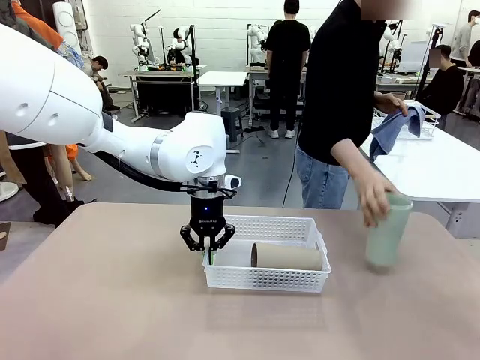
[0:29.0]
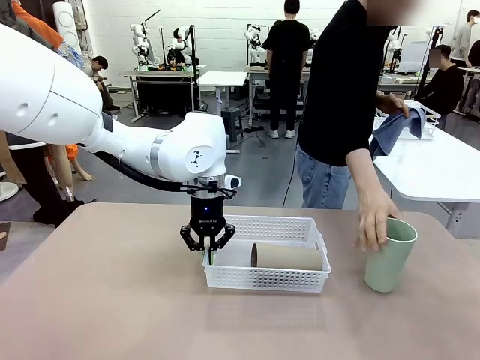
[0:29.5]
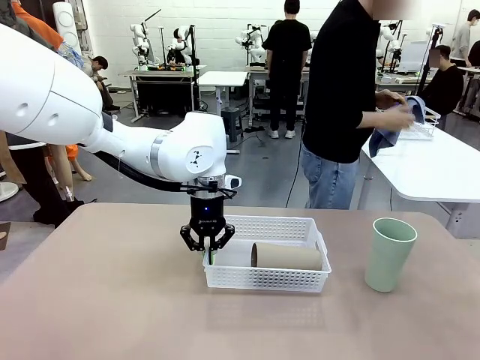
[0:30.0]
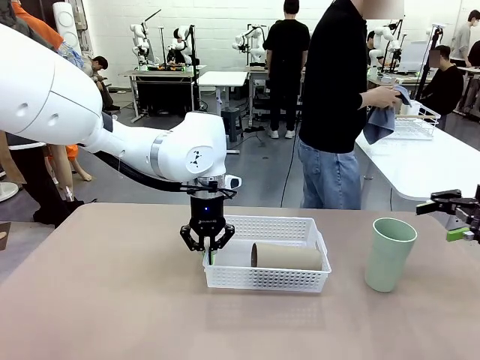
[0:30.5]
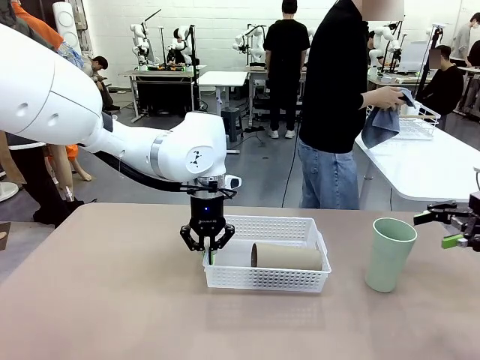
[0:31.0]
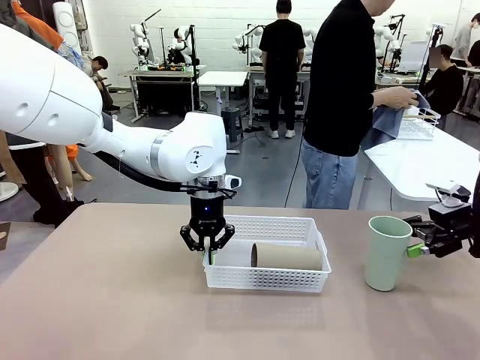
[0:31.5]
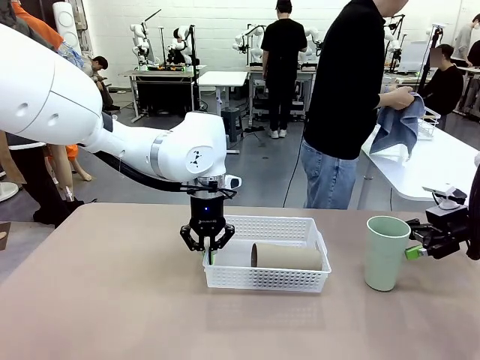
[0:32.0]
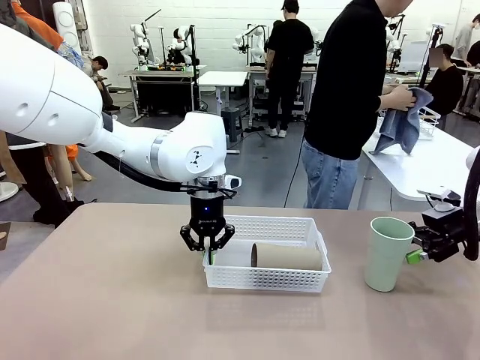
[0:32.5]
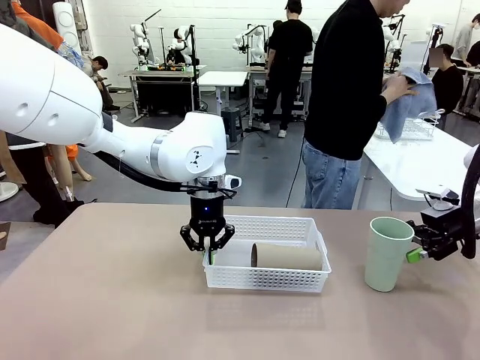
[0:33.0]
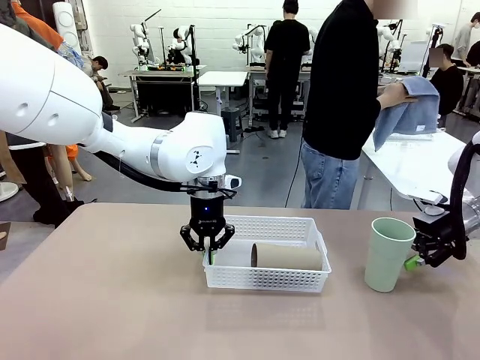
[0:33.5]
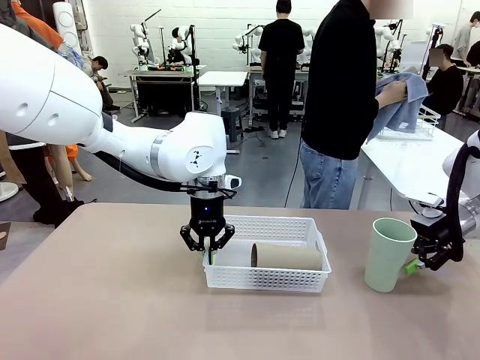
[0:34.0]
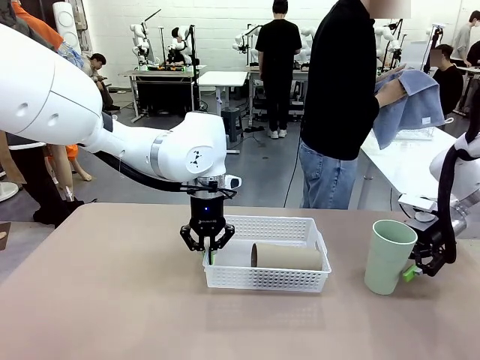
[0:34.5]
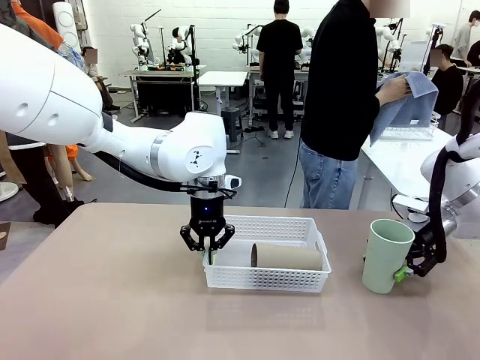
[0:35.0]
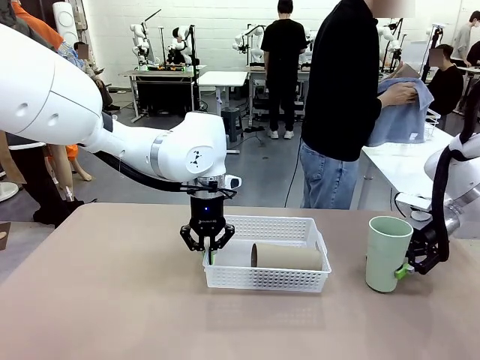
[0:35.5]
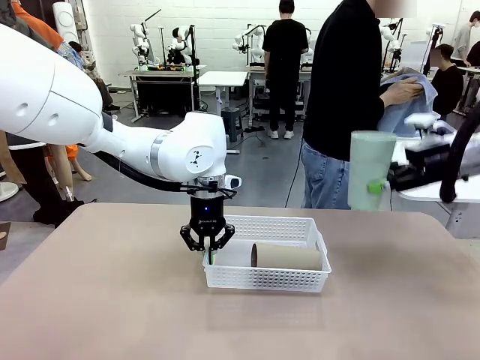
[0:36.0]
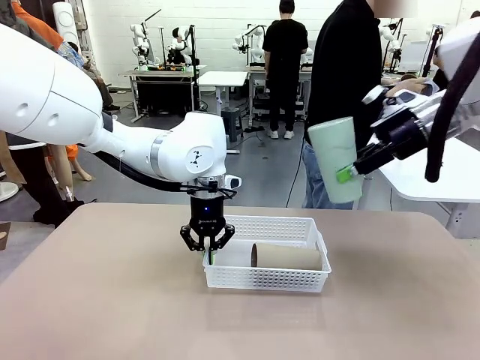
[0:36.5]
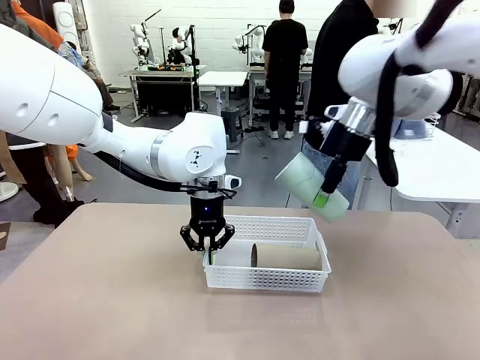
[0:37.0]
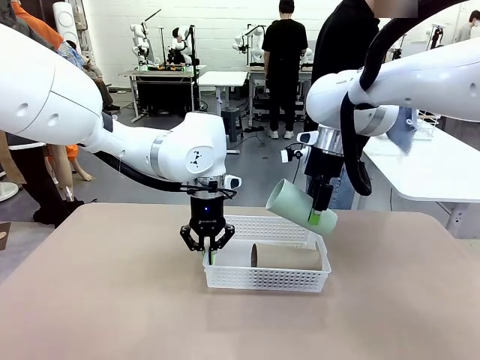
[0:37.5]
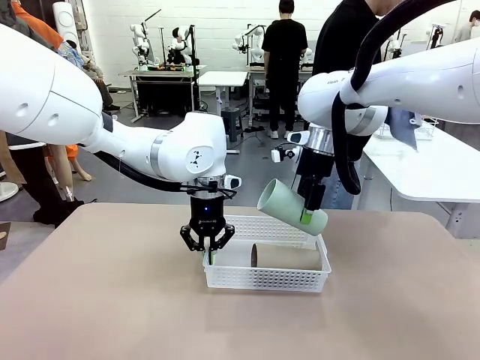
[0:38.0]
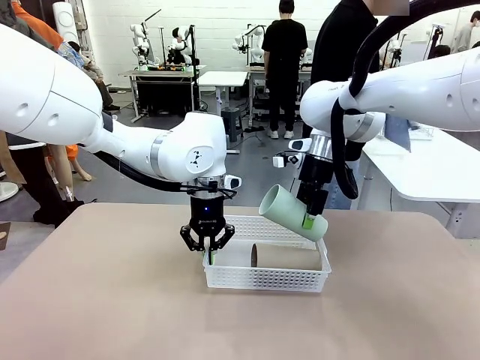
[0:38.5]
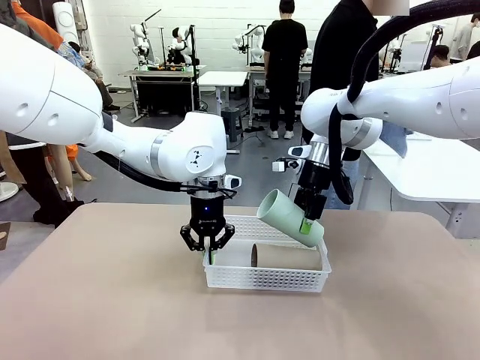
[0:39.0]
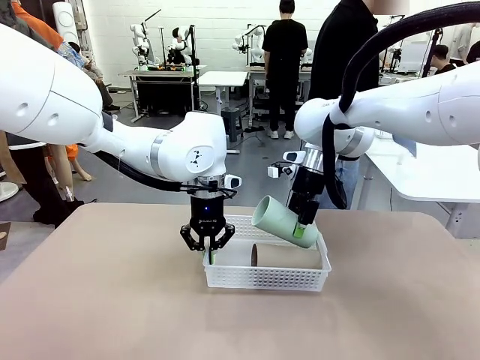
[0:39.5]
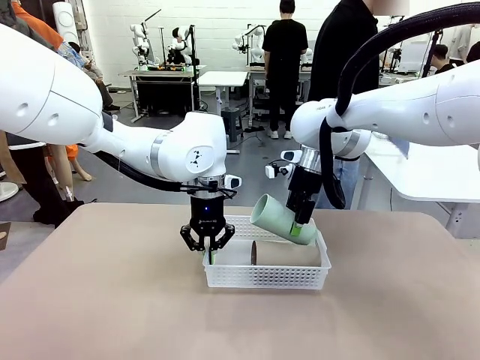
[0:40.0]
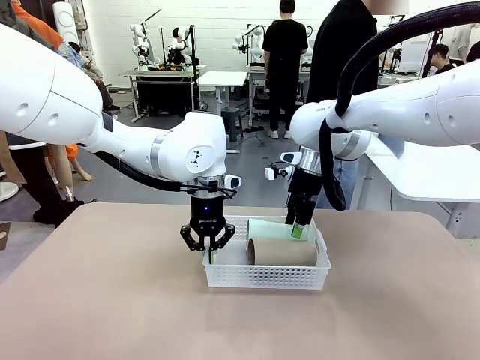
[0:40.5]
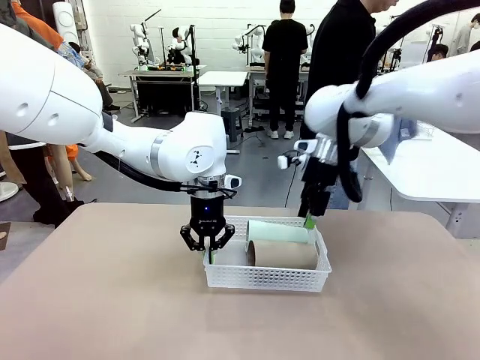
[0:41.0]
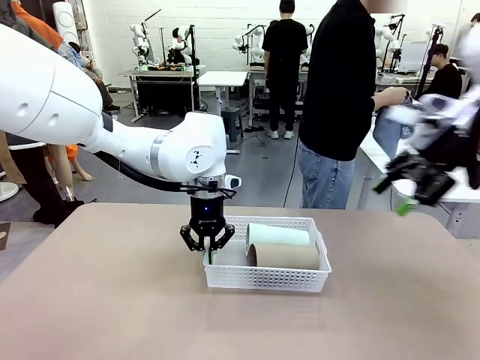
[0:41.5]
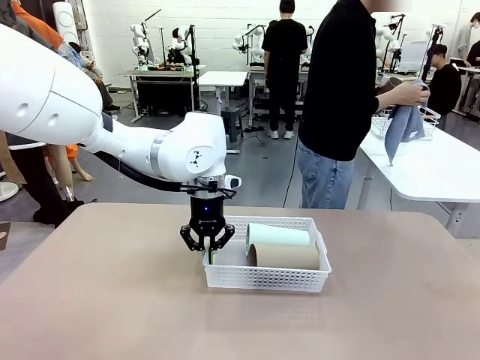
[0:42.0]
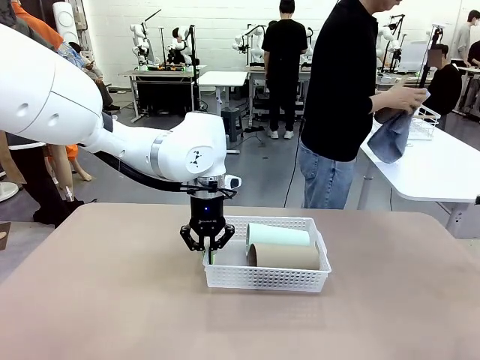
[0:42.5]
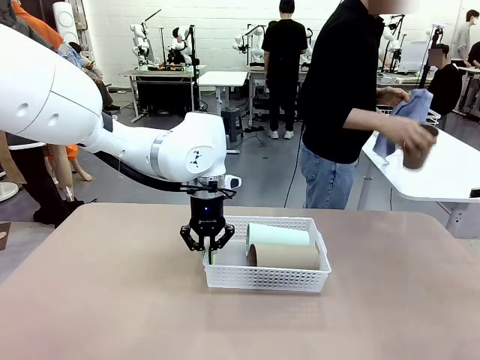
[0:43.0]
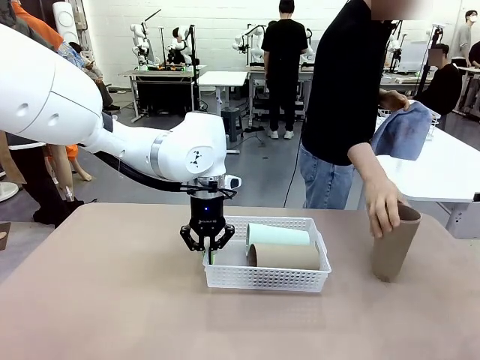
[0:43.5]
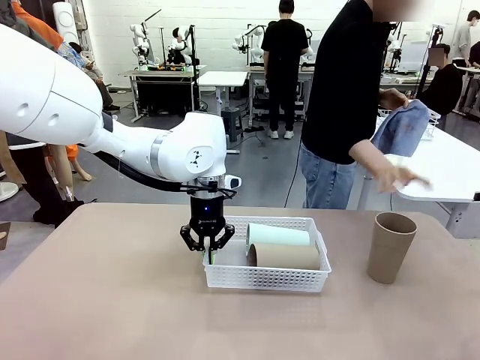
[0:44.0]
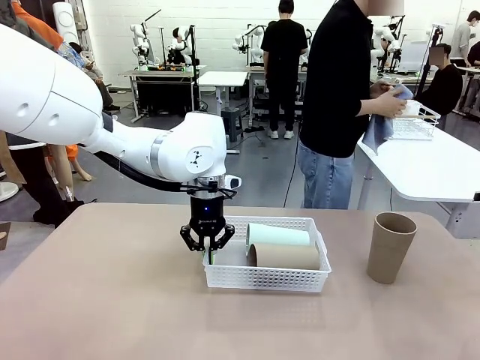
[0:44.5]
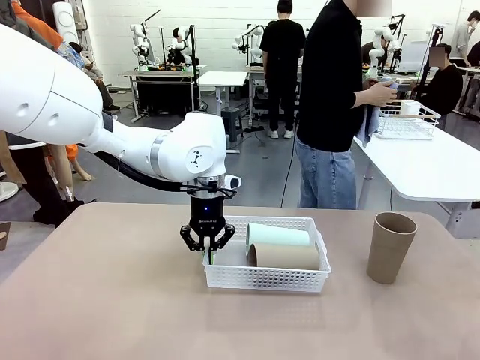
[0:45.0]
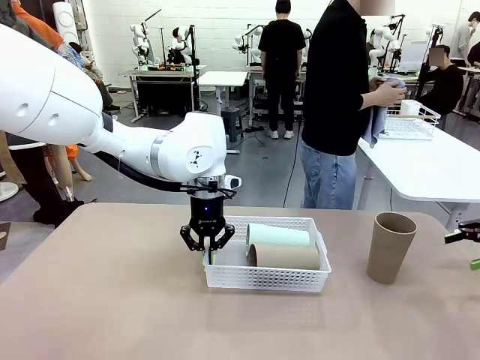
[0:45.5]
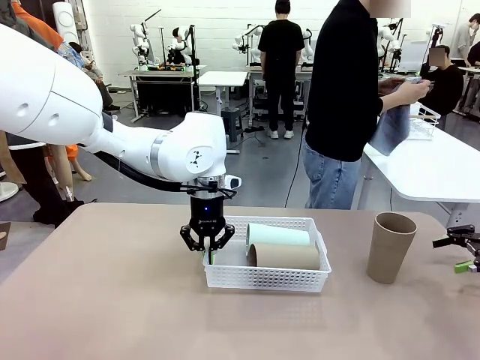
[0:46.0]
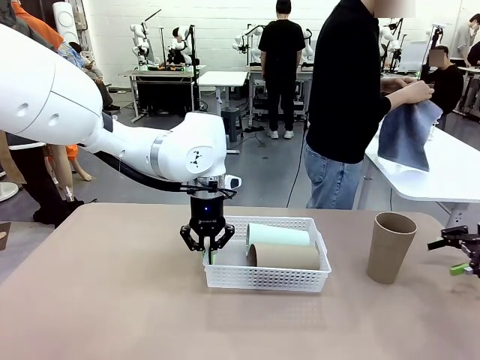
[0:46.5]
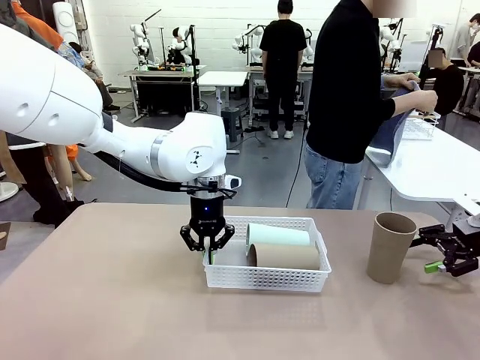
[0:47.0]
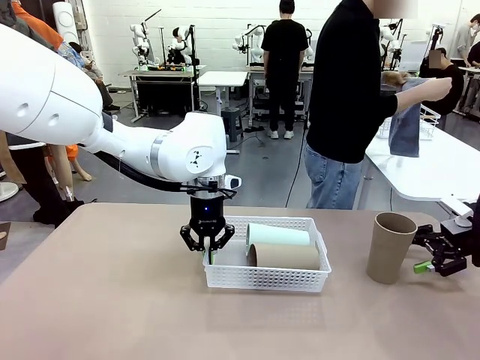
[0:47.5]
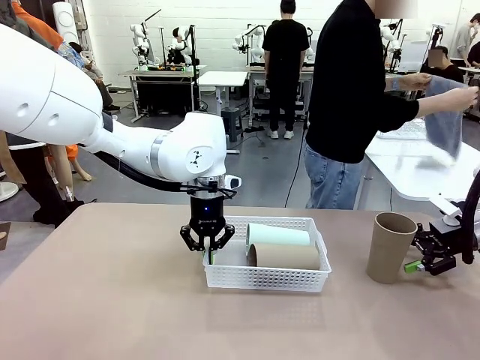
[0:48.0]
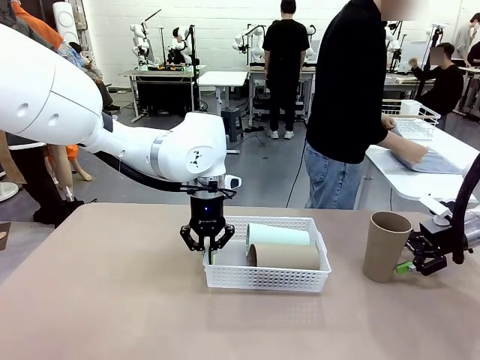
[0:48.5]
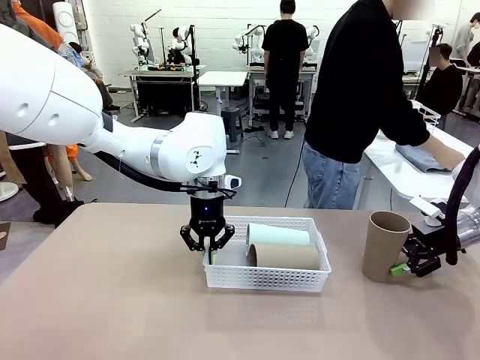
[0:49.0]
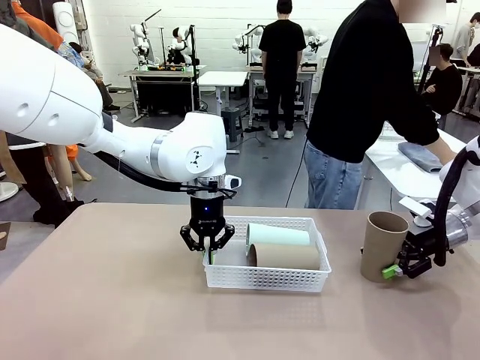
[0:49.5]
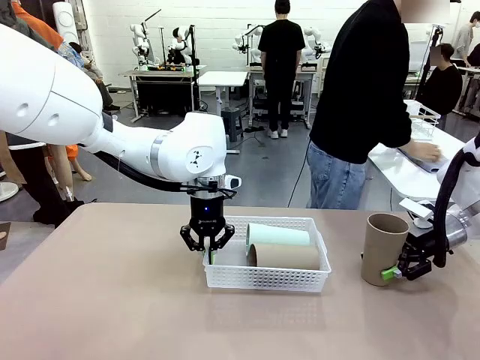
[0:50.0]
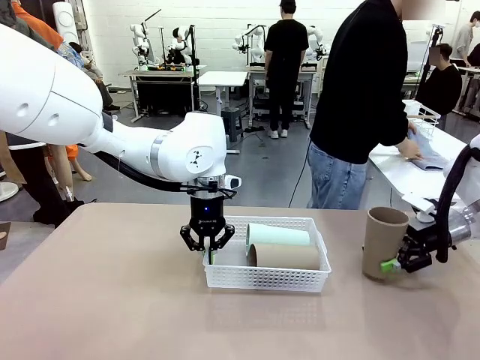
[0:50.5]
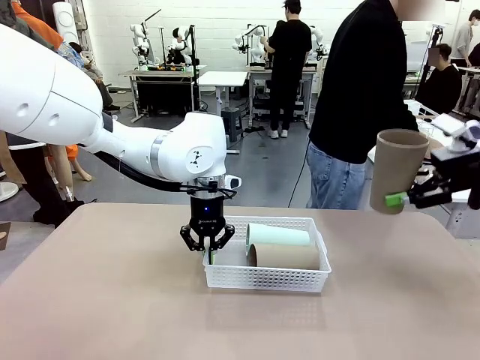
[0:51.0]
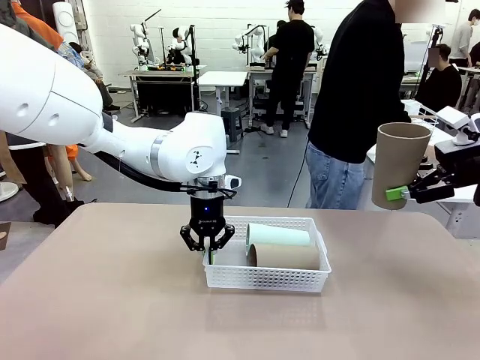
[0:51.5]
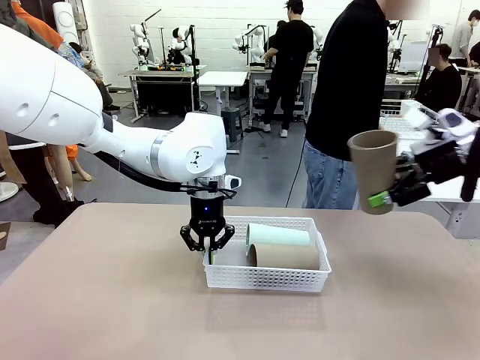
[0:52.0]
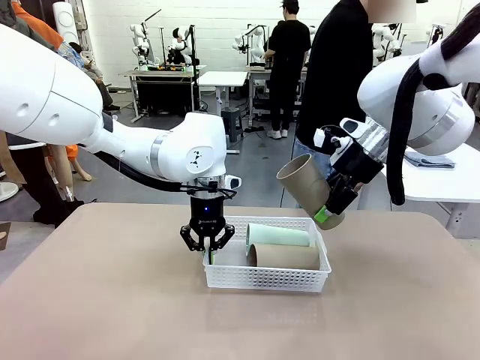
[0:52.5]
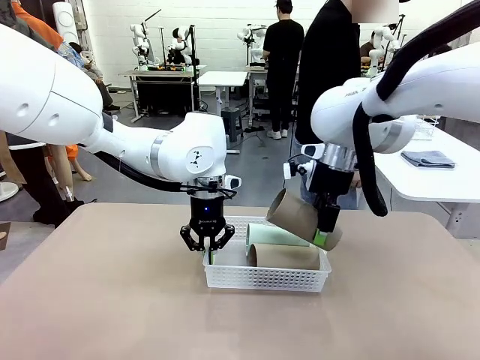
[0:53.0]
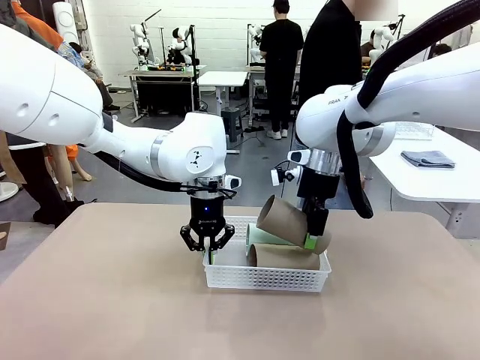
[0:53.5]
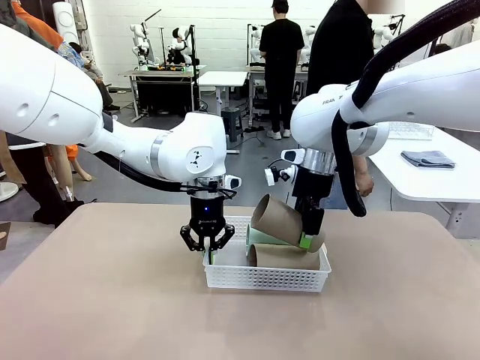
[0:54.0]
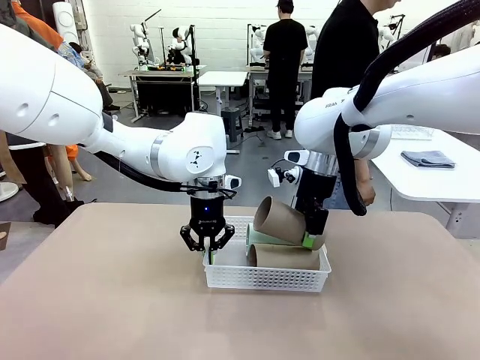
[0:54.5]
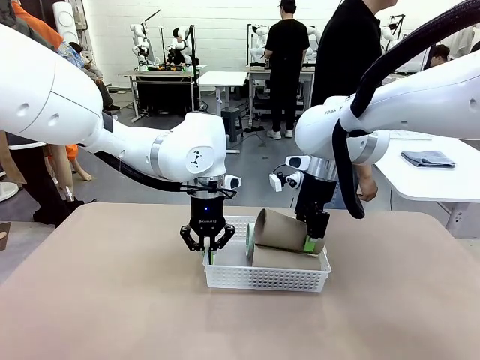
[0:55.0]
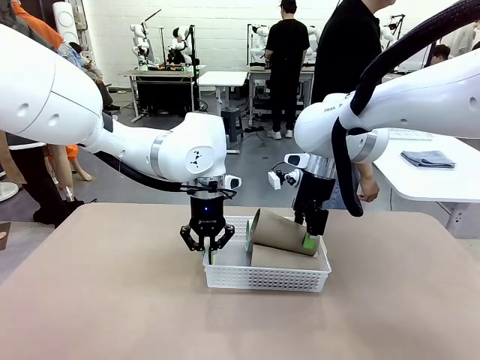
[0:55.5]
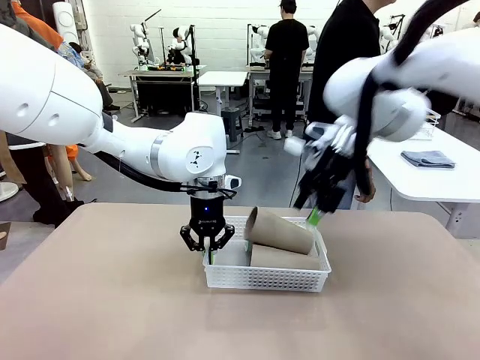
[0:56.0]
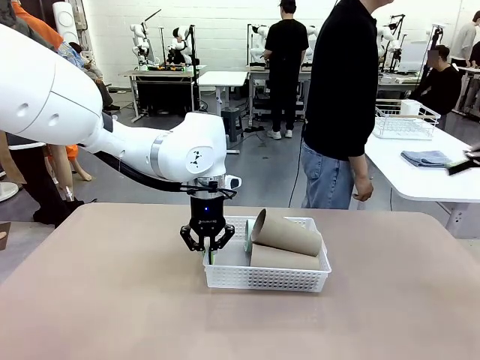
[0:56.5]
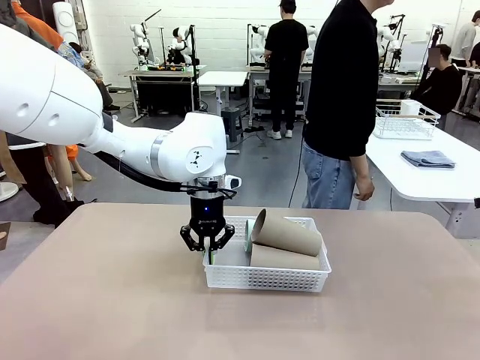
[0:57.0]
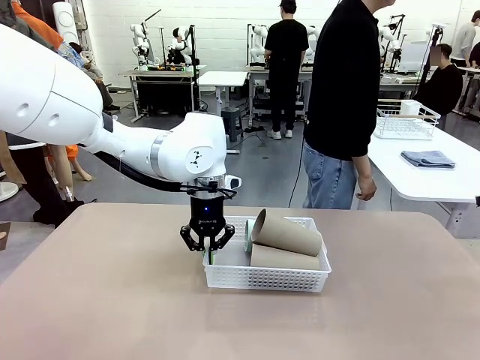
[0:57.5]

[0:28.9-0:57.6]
Task: Clean and organize the cups into the basket.
Robot: Pick up the Reusable plastic cup from the right side of the table and stack it inside the Organizing basket in the center of the table.
